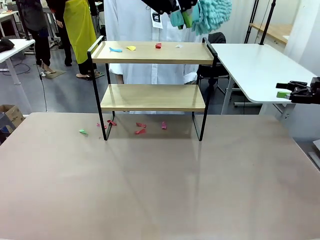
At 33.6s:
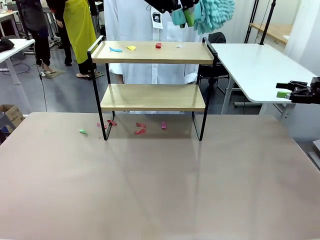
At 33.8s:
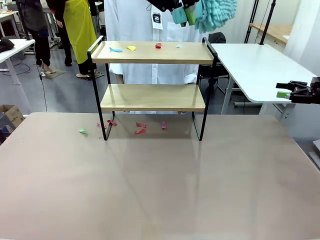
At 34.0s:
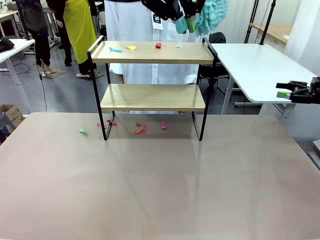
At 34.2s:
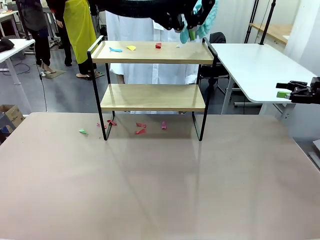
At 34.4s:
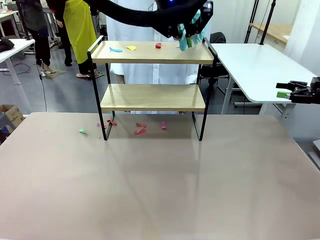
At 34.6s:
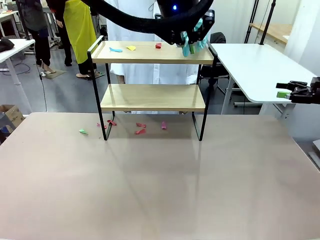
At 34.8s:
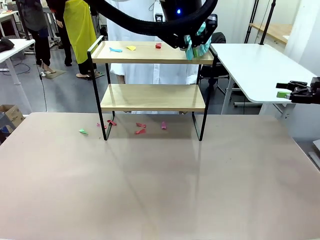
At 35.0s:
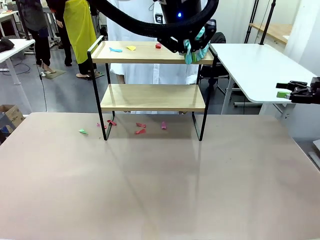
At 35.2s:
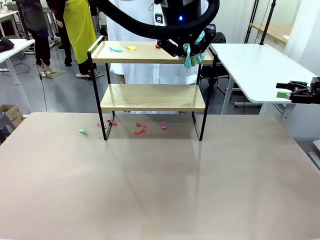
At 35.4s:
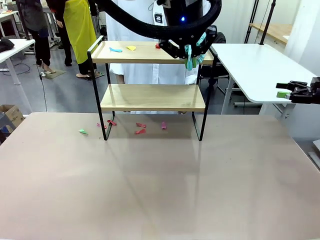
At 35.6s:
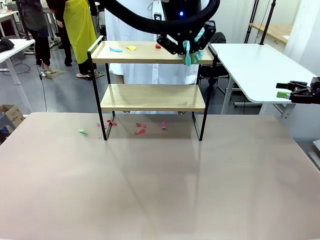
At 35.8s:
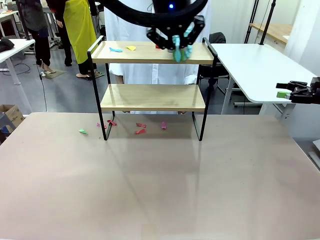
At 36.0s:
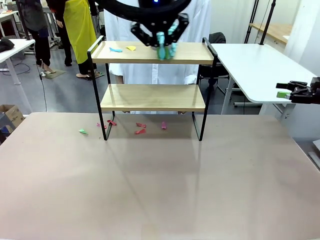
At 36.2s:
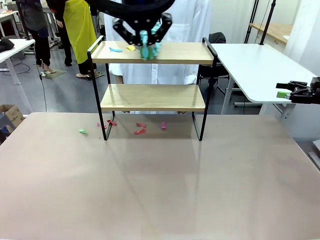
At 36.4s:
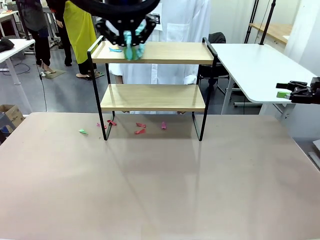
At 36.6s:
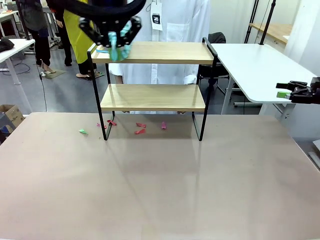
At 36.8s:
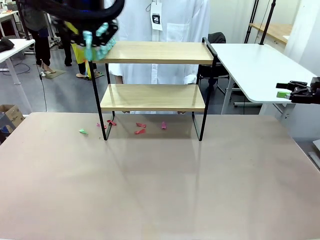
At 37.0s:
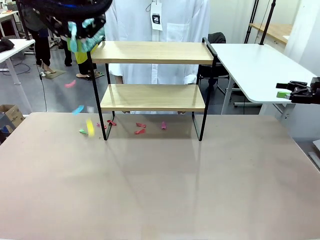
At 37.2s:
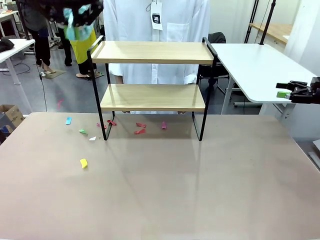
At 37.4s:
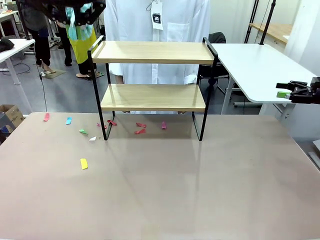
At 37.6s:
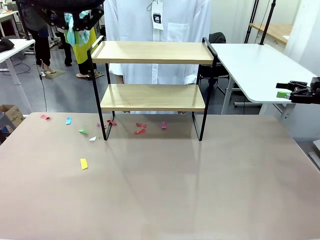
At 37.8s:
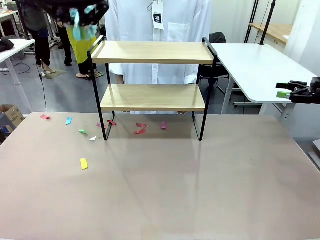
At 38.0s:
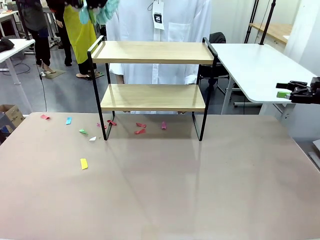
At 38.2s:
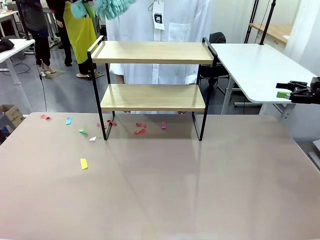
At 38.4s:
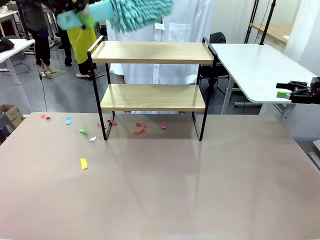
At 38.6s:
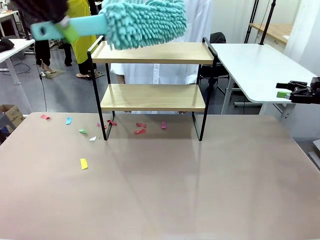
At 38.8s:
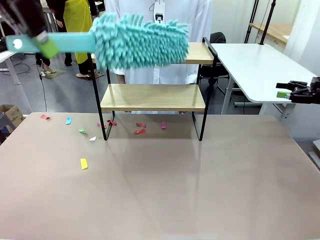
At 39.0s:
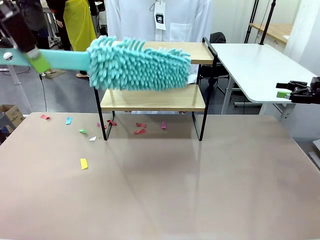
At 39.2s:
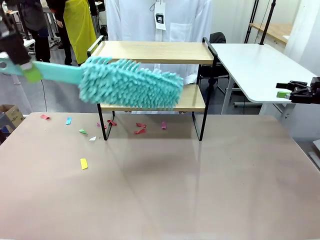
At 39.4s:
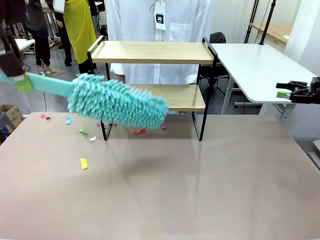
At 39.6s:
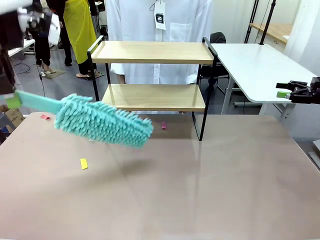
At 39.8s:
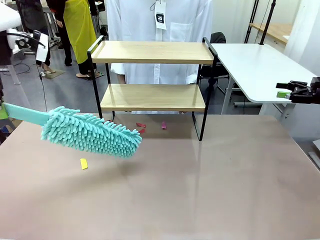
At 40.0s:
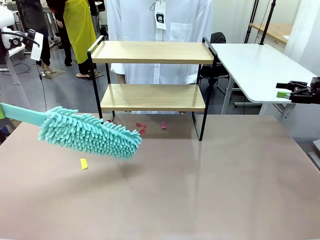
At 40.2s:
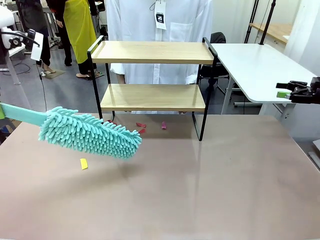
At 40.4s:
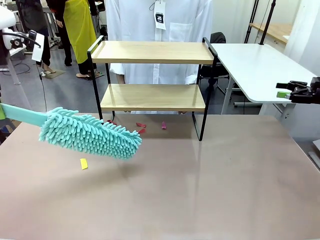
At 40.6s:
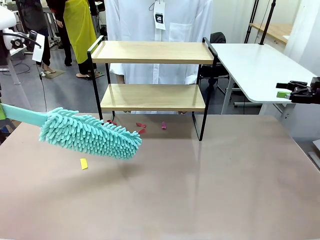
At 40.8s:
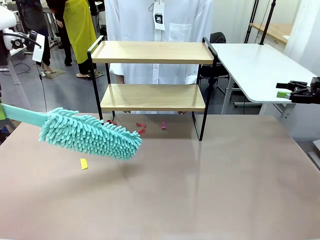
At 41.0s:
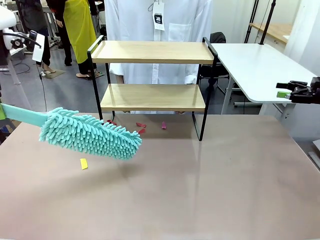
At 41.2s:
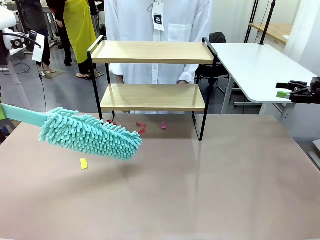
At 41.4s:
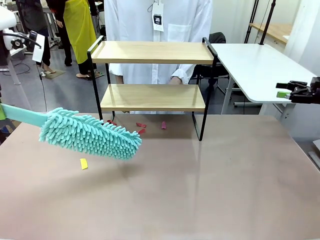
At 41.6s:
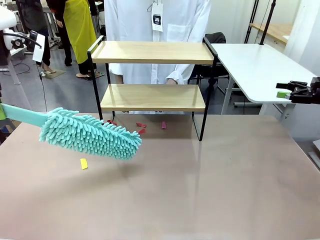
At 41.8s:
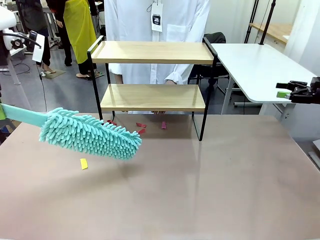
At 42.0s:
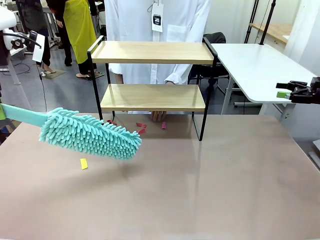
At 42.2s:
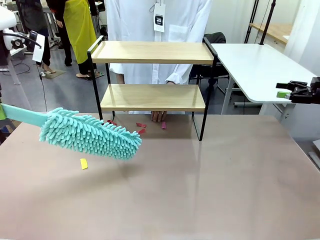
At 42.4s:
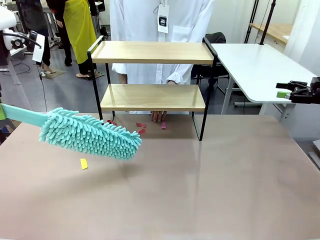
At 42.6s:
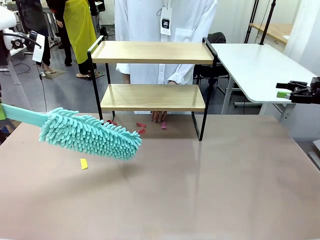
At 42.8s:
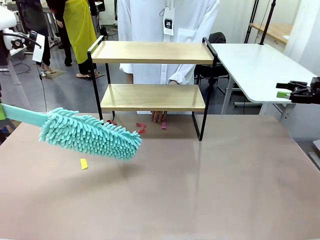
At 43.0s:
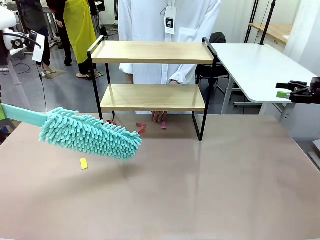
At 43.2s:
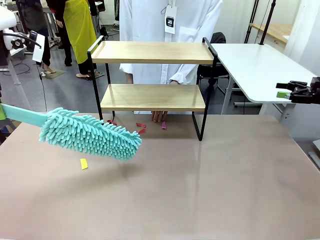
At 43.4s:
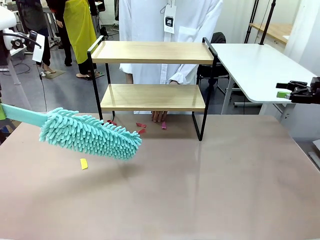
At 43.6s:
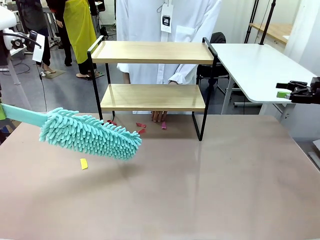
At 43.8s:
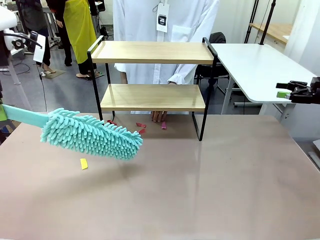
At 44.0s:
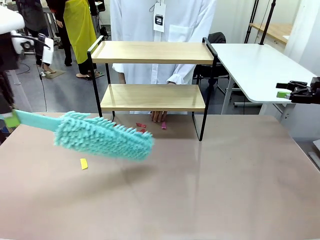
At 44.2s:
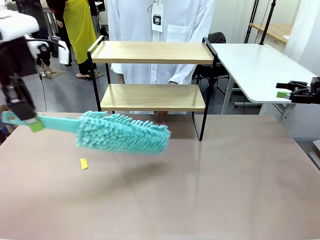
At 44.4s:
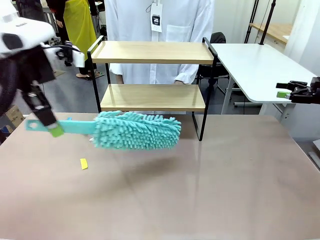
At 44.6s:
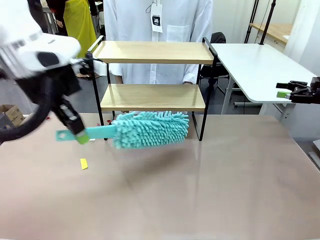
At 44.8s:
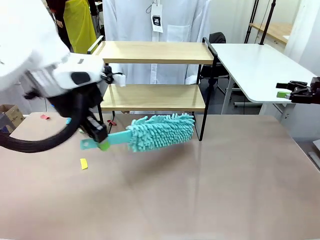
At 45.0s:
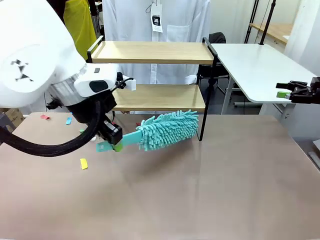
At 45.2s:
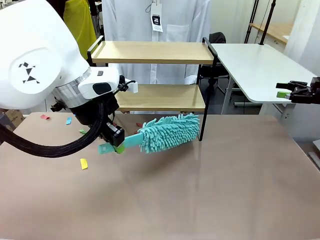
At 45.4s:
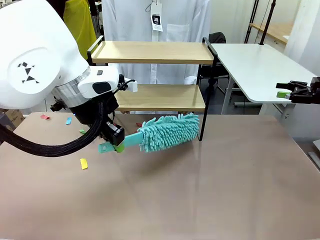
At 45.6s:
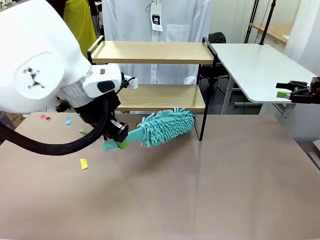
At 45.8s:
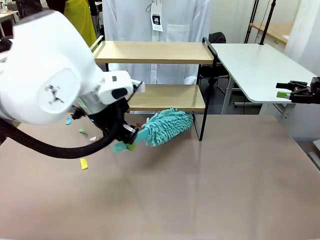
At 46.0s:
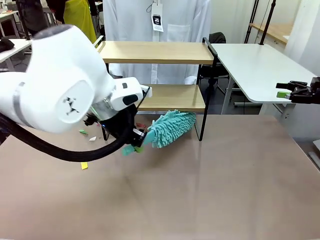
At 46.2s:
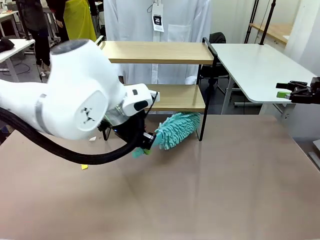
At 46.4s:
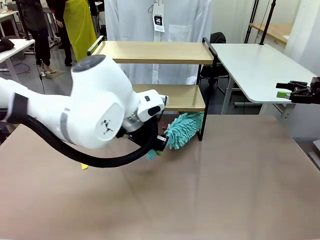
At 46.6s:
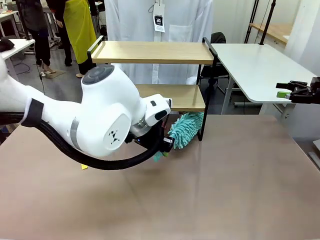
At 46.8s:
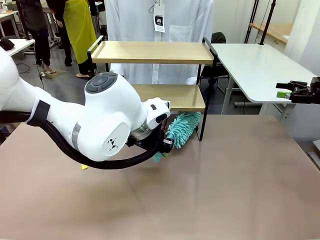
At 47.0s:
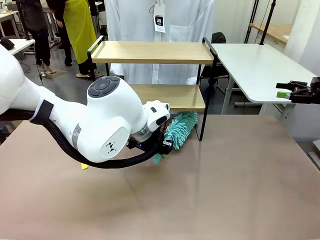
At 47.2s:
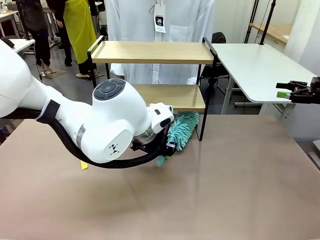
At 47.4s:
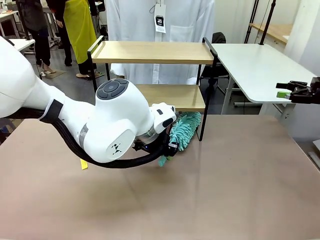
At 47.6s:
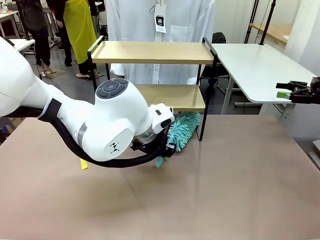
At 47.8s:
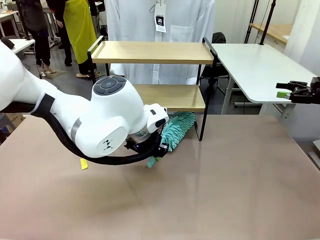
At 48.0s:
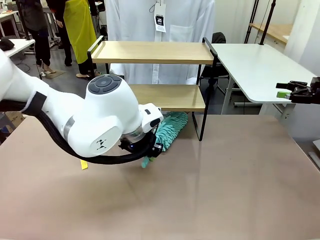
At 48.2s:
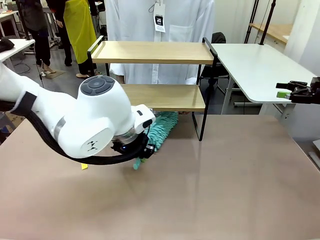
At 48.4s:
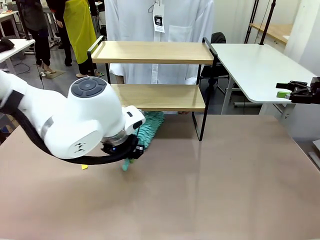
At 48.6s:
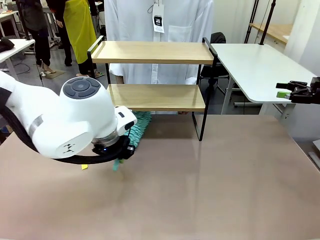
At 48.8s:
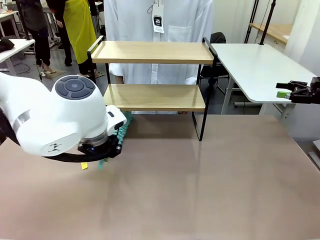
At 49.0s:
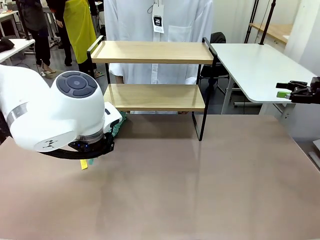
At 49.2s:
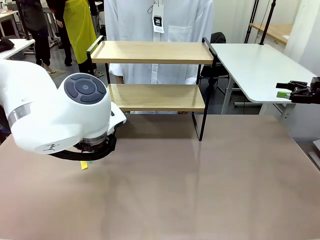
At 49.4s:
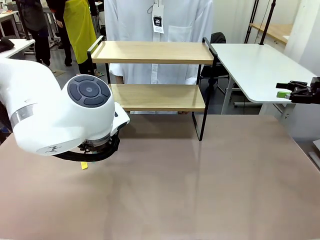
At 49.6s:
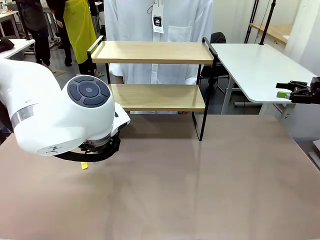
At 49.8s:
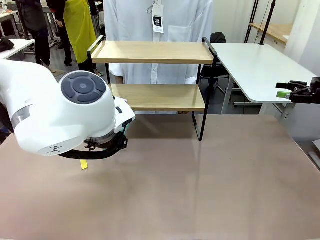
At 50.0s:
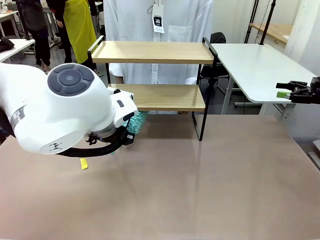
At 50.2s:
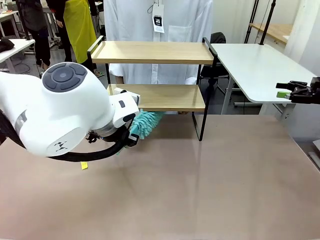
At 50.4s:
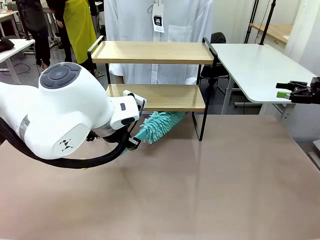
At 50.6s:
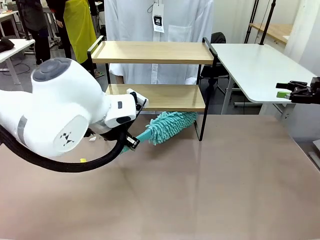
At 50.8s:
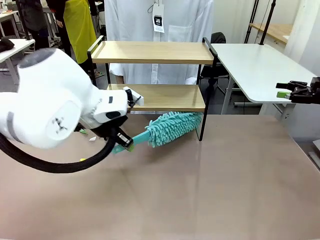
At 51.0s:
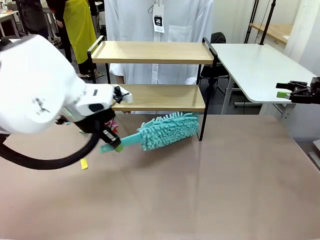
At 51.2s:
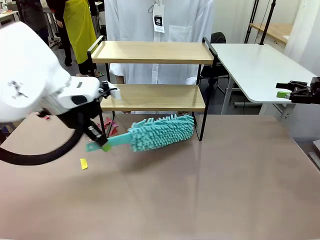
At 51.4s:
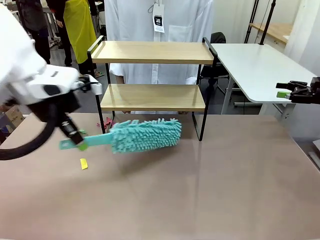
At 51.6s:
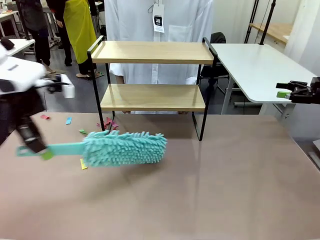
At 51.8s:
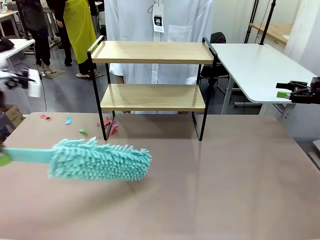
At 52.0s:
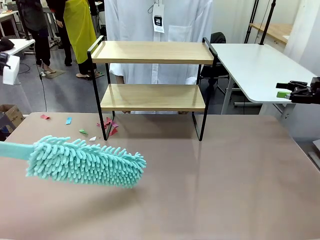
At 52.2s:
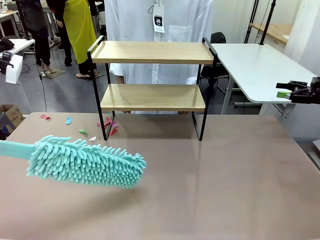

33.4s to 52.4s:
Task: Clean the shelf.
Robot: Clean the specific section of the Shelf indicated by the human with the Duster.
Person: Point a remaining section of the Shelf.
